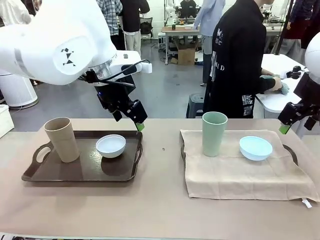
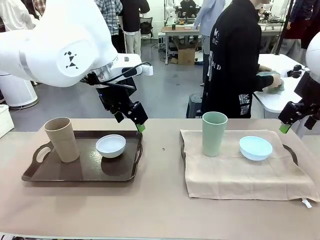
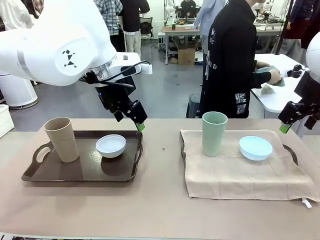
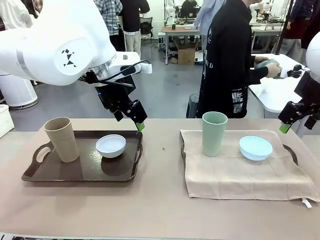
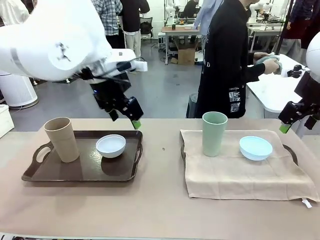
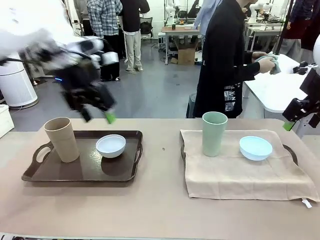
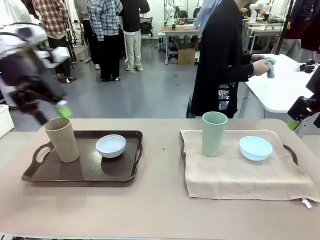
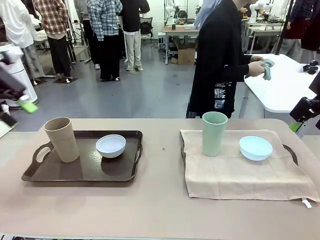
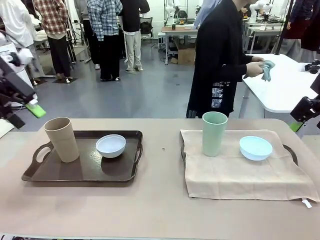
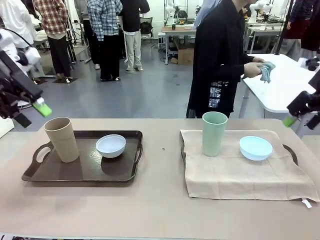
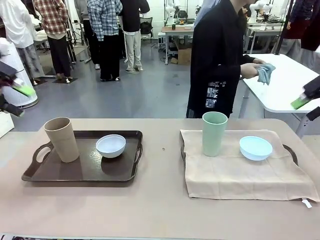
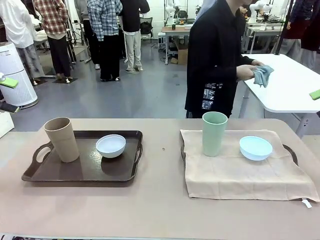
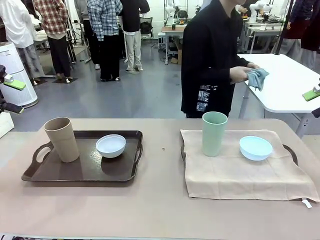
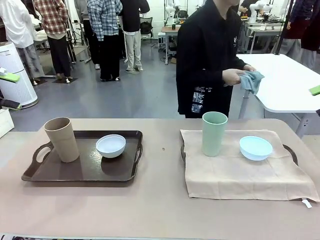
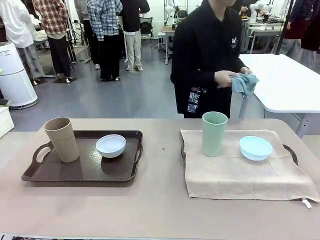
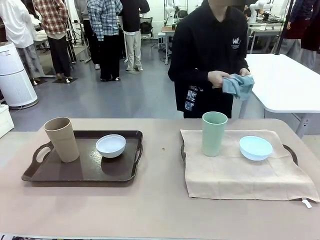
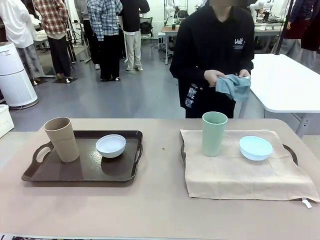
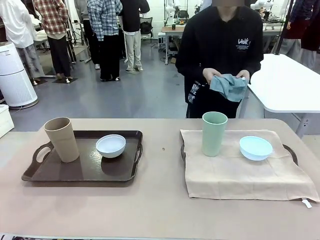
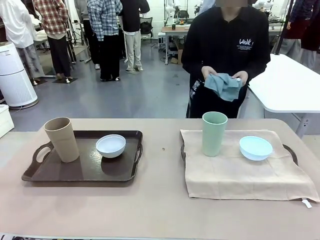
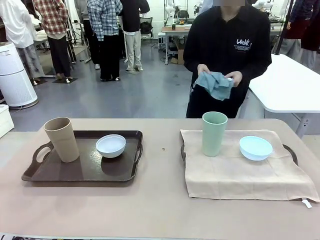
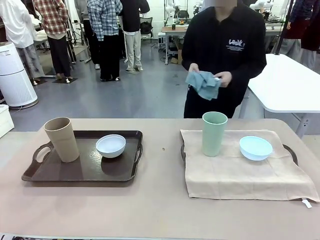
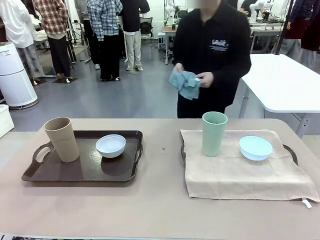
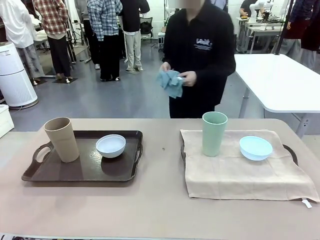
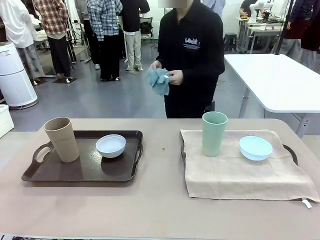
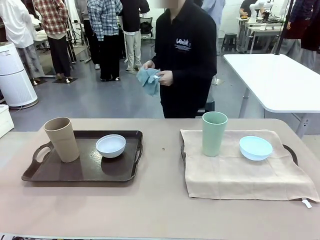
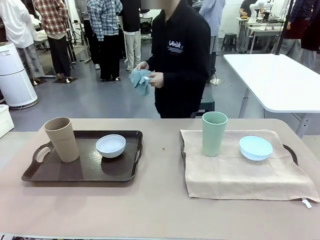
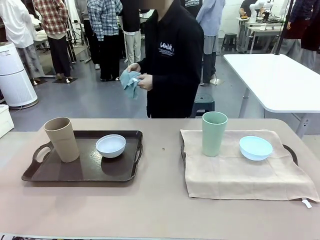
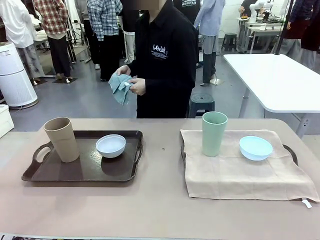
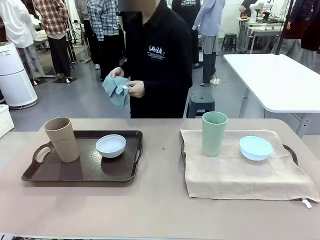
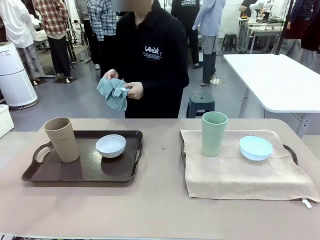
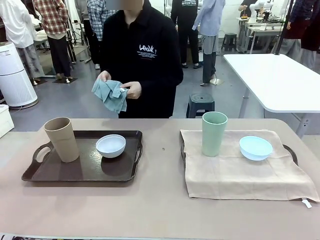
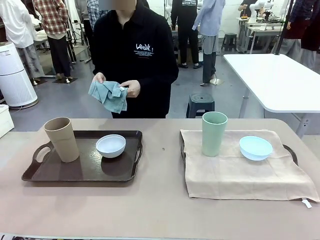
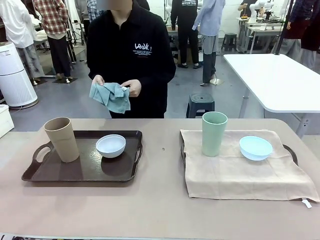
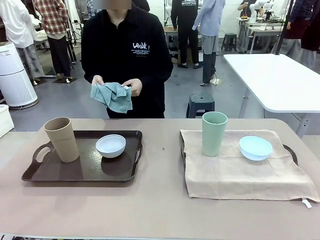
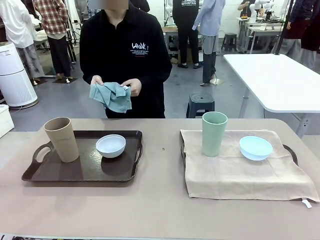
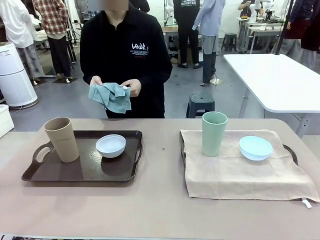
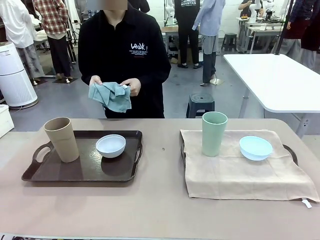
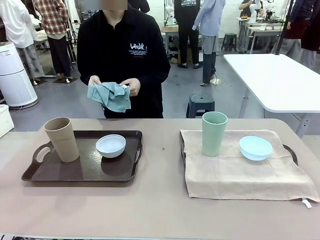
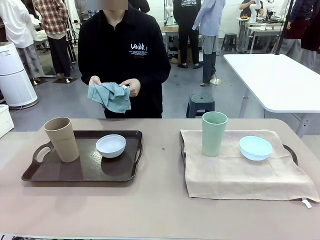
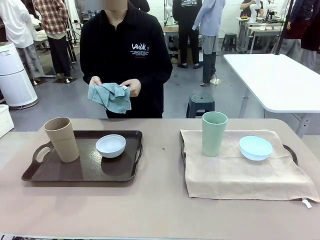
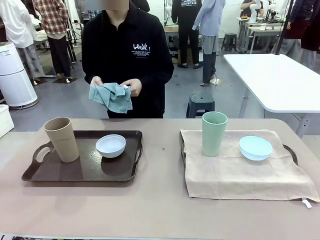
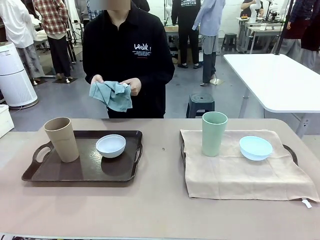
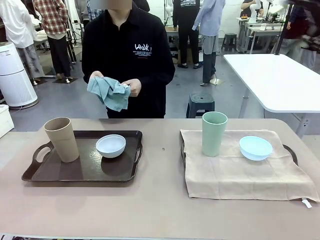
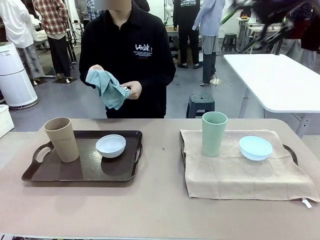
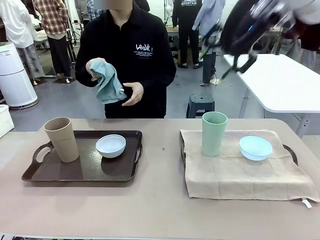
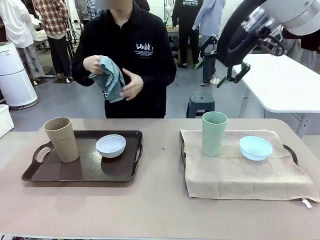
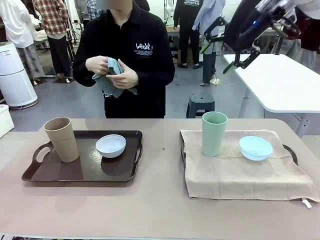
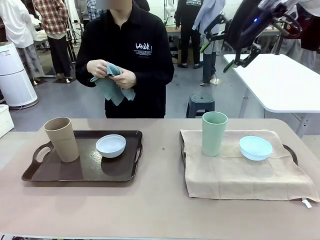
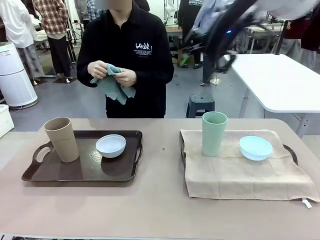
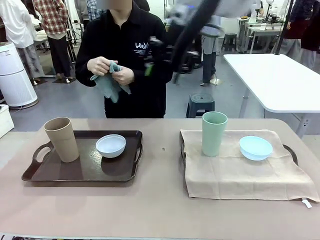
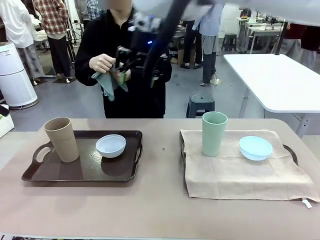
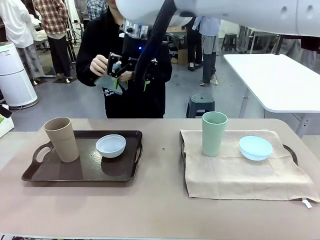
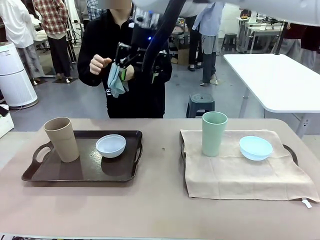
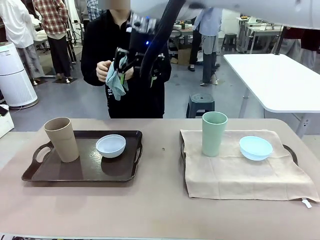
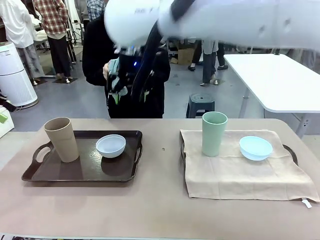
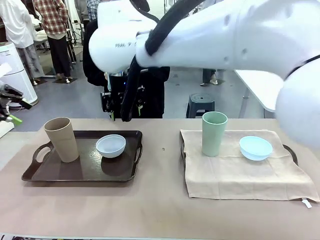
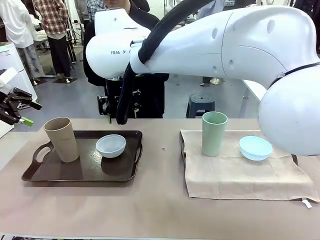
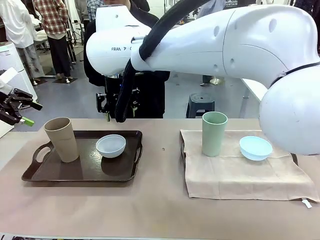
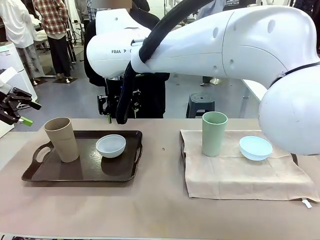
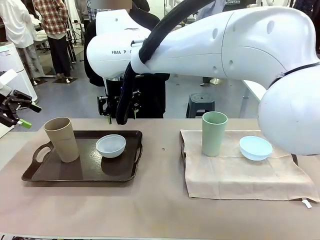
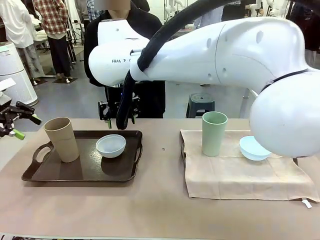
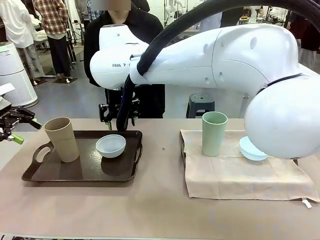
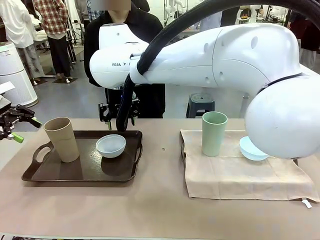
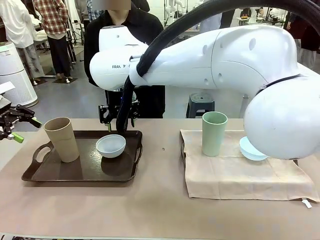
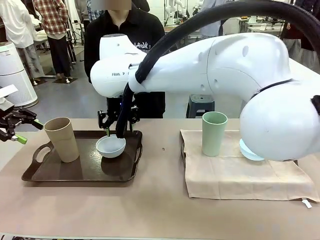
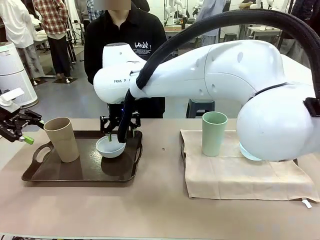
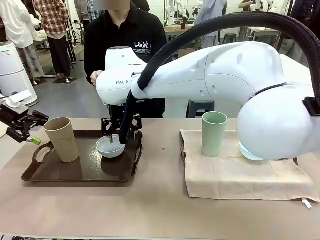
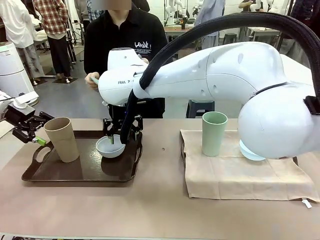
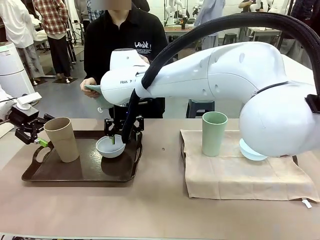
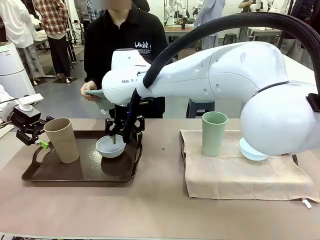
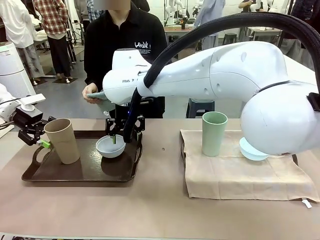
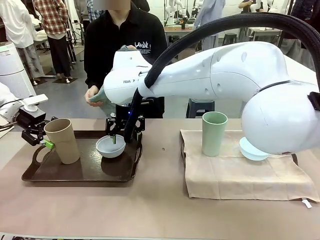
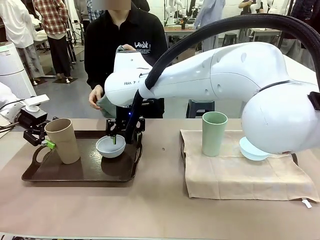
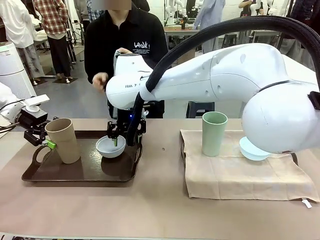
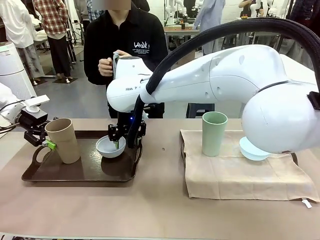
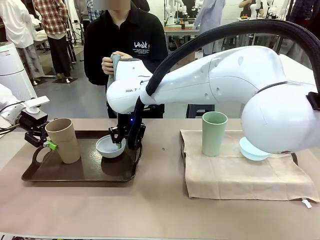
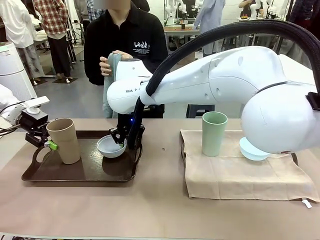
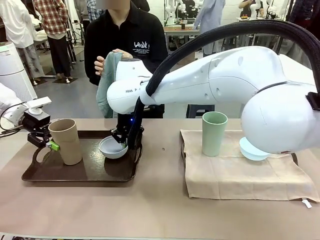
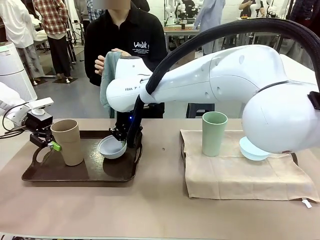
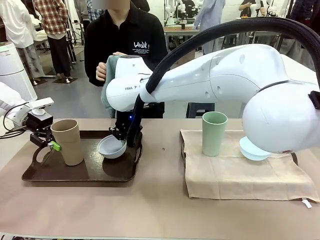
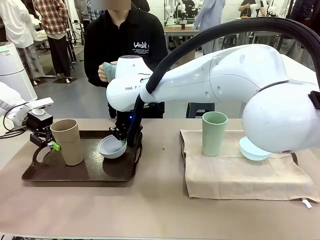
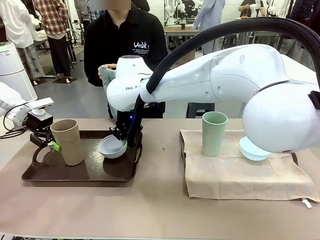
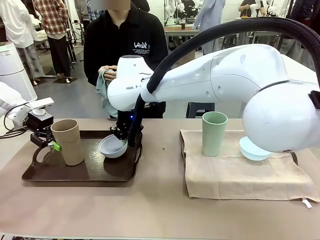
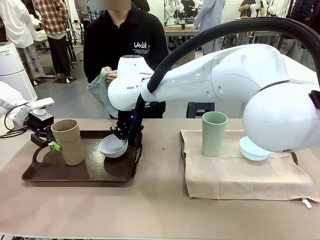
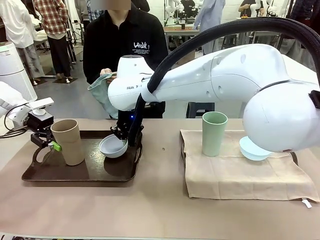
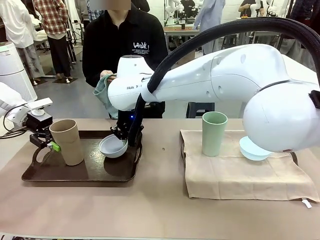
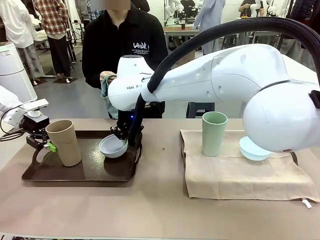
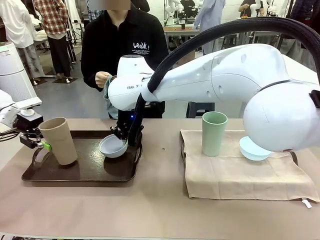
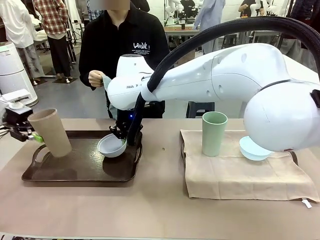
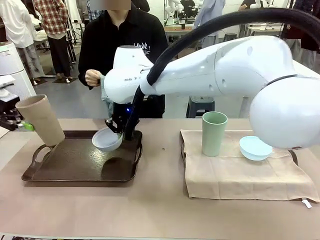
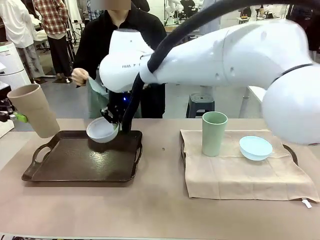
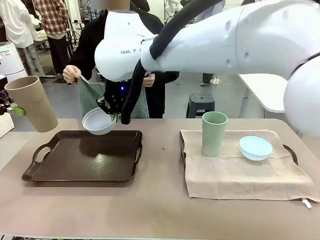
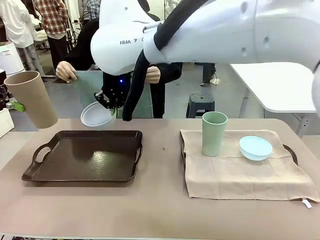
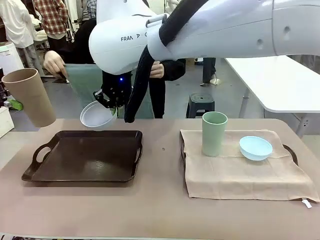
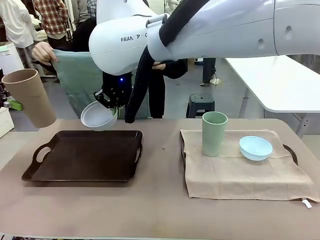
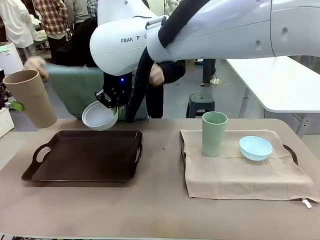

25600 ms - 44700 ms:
Robot: Pick up the Picnic Bowl and Reusable plastic cup from the Handle tray in front of the human's position and hold them in the air.
Person: The human returns to the human table to pick up another napkin and walks to the robot table to stand in front of the tray without a napkin. When the robot lifts the bowl and the cup, the human unfolds the napkin and lays the napkin flat on the tray.
